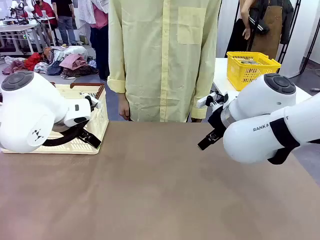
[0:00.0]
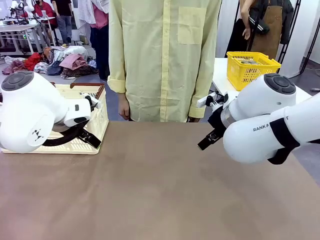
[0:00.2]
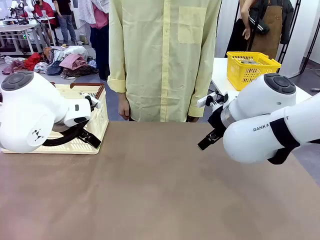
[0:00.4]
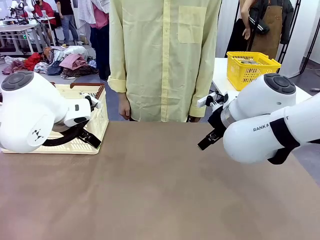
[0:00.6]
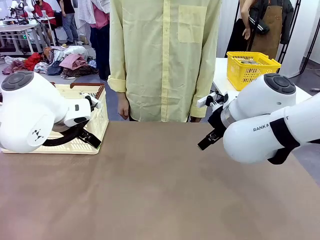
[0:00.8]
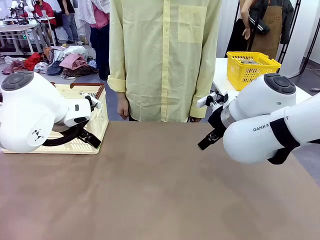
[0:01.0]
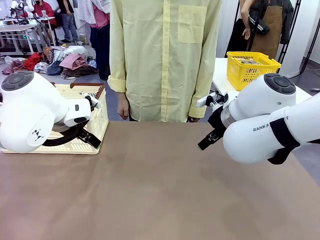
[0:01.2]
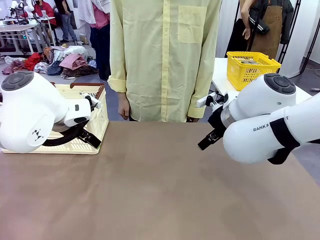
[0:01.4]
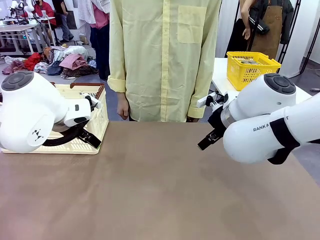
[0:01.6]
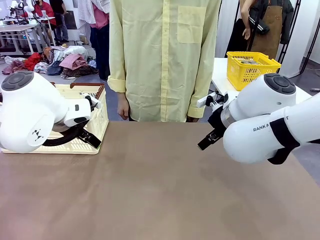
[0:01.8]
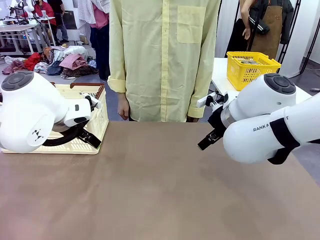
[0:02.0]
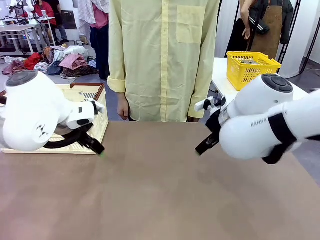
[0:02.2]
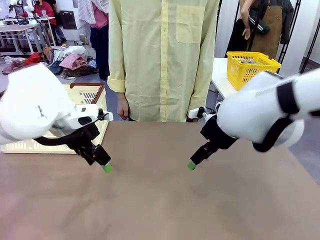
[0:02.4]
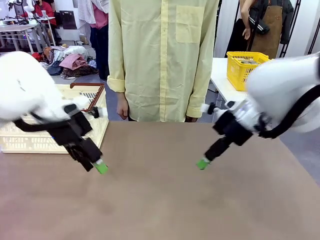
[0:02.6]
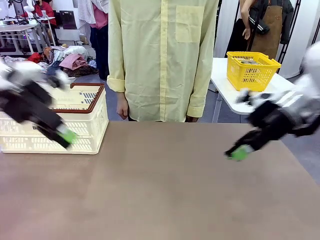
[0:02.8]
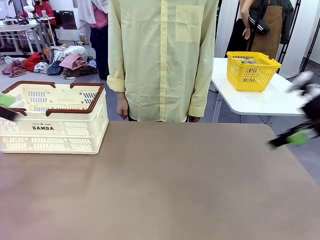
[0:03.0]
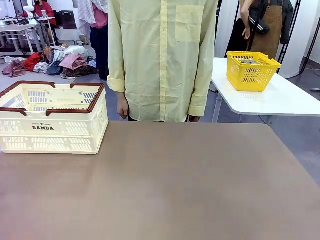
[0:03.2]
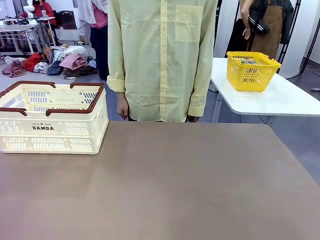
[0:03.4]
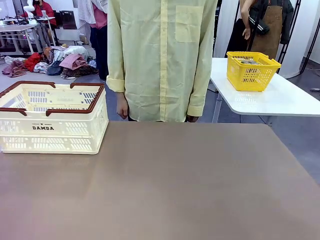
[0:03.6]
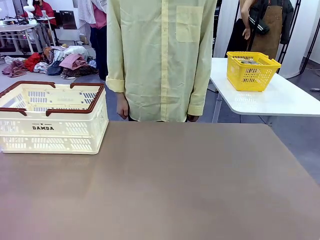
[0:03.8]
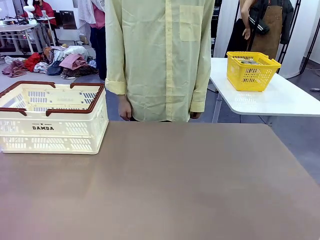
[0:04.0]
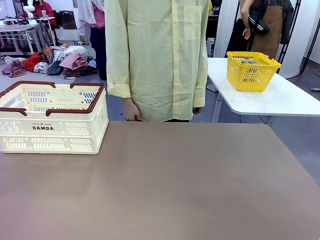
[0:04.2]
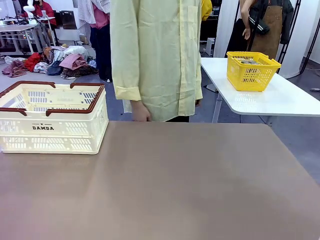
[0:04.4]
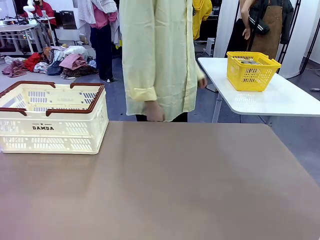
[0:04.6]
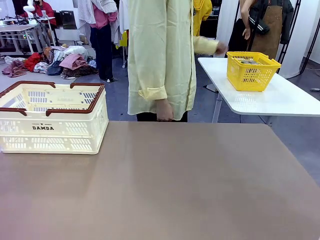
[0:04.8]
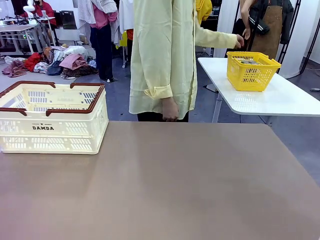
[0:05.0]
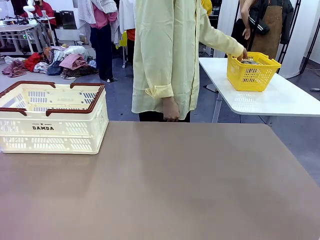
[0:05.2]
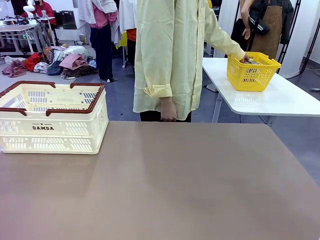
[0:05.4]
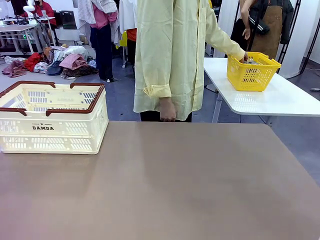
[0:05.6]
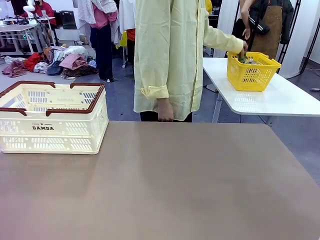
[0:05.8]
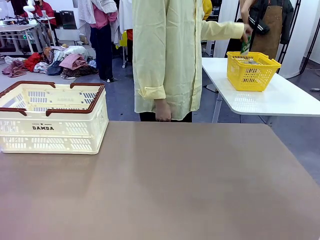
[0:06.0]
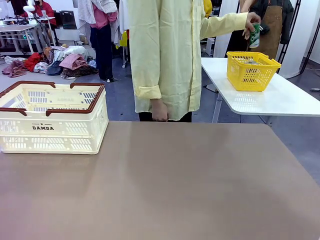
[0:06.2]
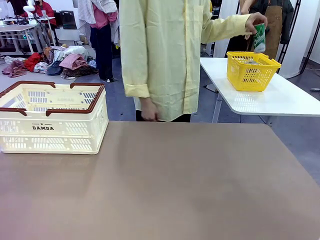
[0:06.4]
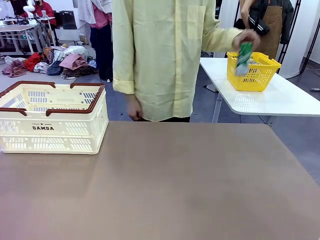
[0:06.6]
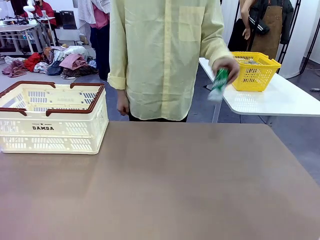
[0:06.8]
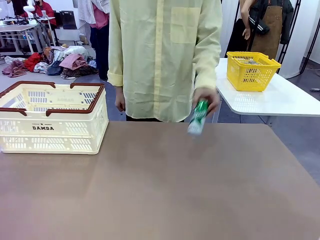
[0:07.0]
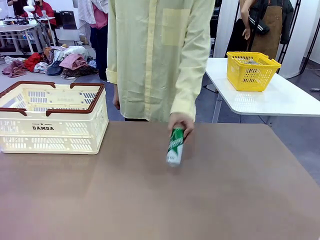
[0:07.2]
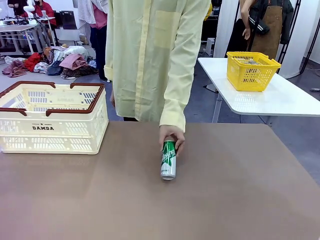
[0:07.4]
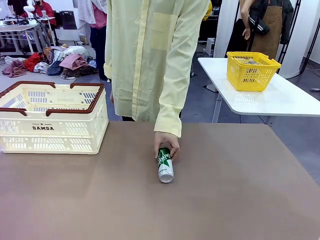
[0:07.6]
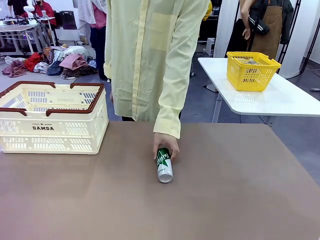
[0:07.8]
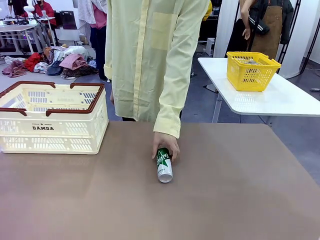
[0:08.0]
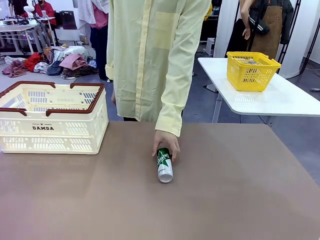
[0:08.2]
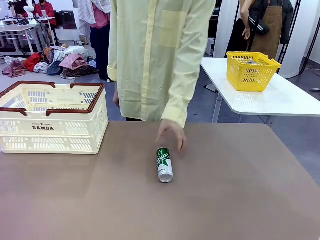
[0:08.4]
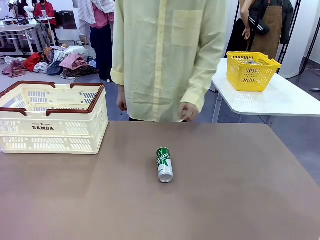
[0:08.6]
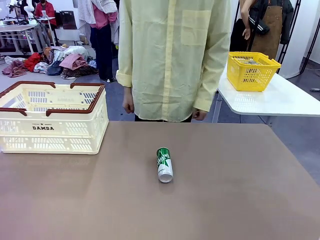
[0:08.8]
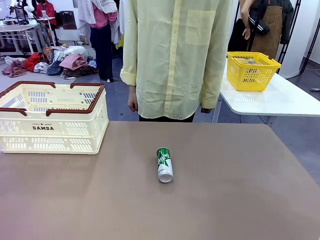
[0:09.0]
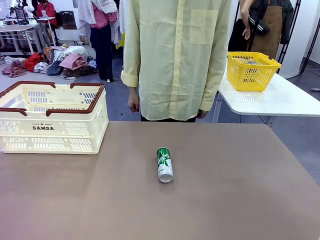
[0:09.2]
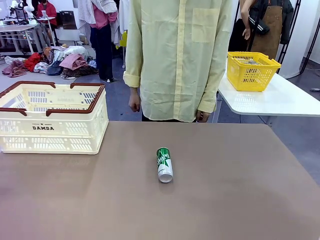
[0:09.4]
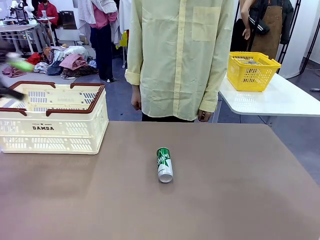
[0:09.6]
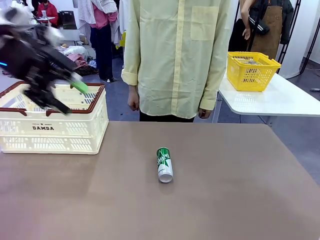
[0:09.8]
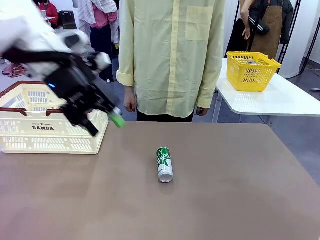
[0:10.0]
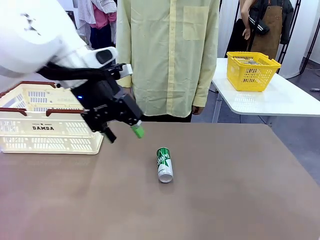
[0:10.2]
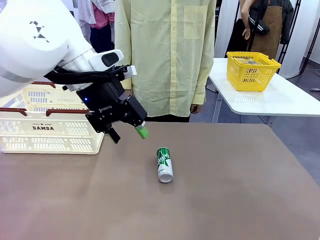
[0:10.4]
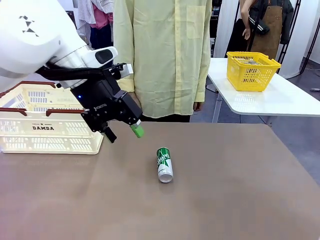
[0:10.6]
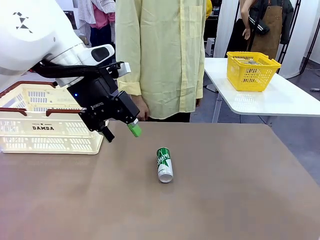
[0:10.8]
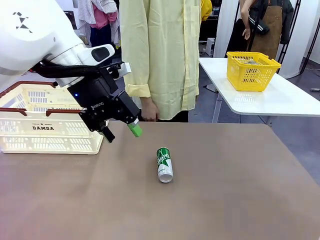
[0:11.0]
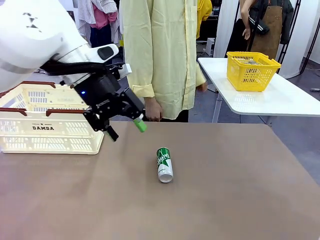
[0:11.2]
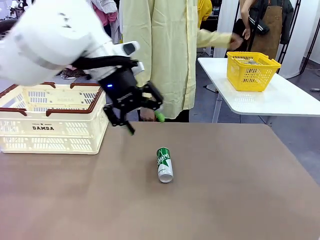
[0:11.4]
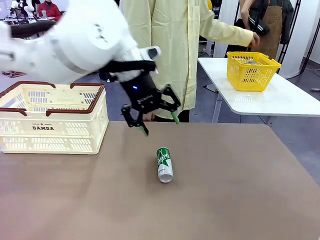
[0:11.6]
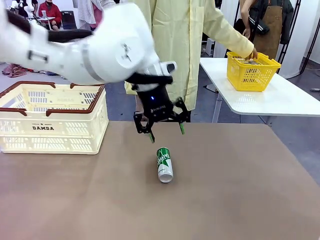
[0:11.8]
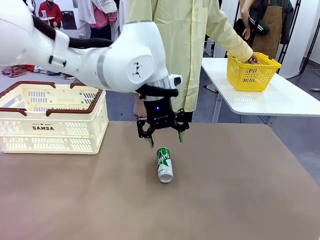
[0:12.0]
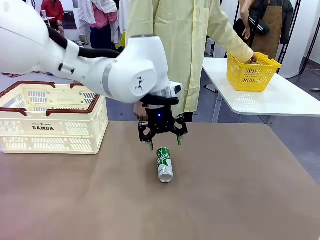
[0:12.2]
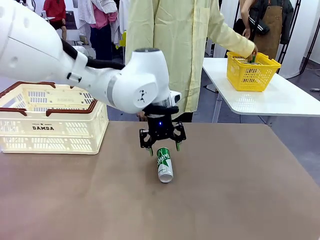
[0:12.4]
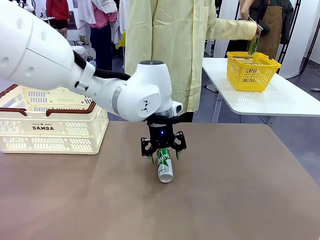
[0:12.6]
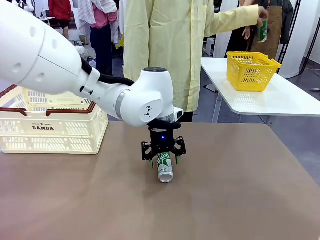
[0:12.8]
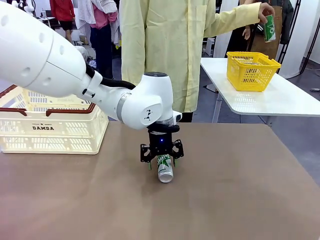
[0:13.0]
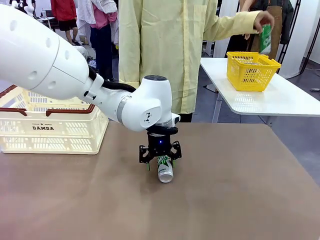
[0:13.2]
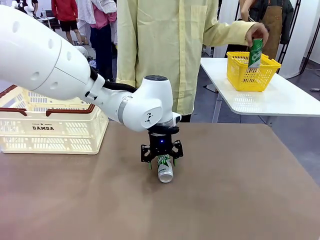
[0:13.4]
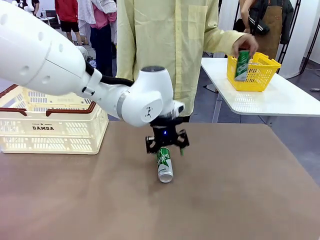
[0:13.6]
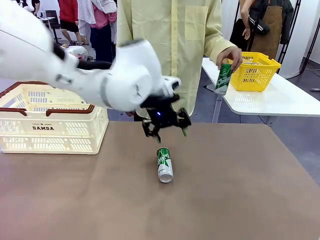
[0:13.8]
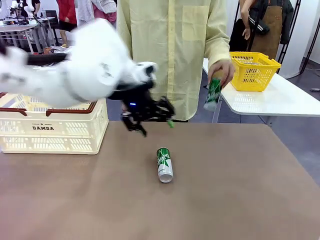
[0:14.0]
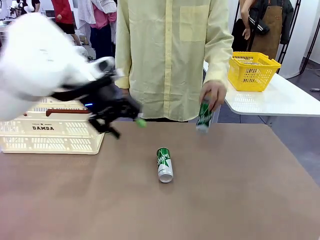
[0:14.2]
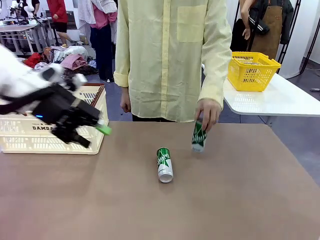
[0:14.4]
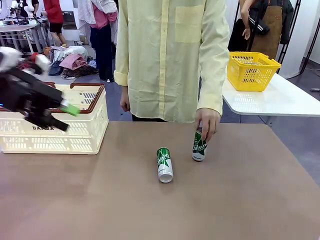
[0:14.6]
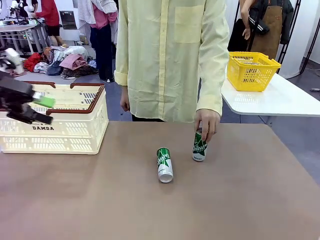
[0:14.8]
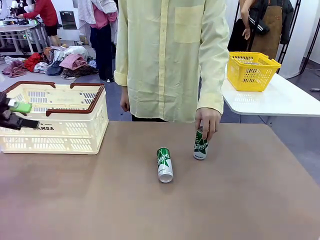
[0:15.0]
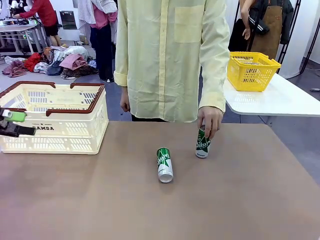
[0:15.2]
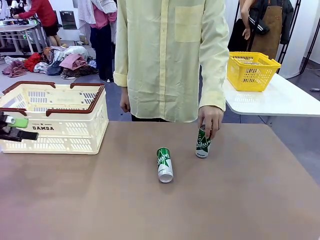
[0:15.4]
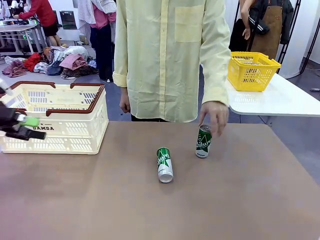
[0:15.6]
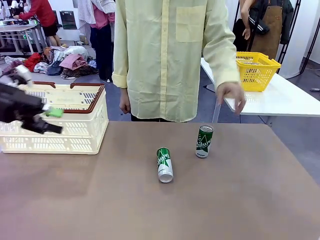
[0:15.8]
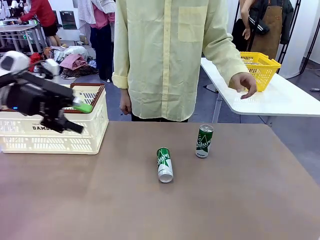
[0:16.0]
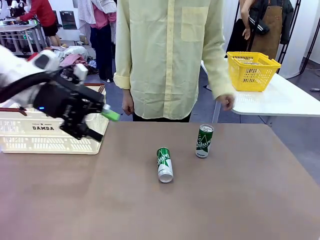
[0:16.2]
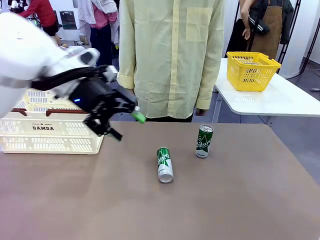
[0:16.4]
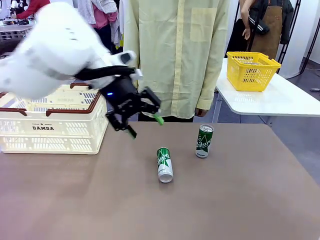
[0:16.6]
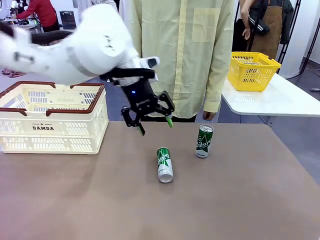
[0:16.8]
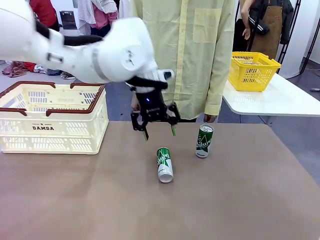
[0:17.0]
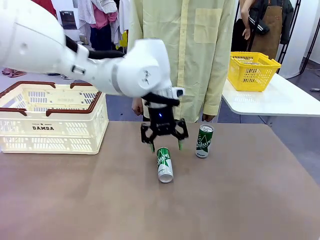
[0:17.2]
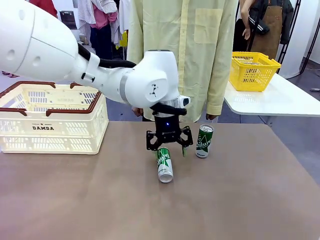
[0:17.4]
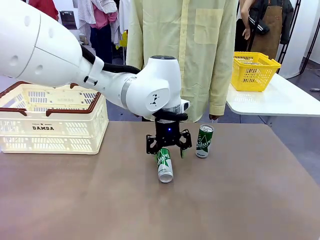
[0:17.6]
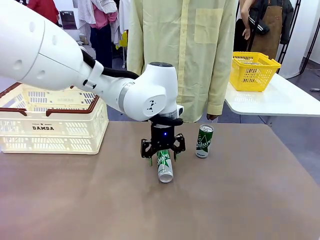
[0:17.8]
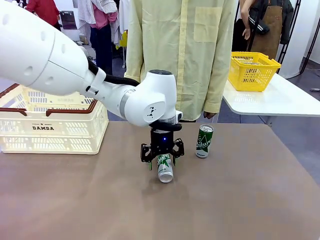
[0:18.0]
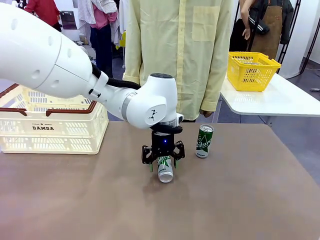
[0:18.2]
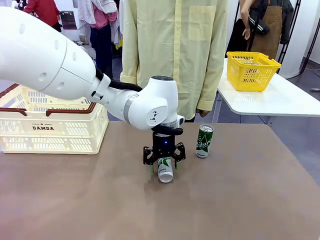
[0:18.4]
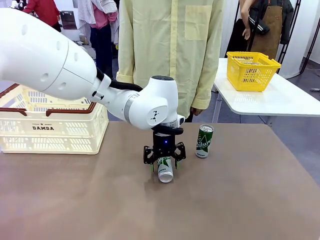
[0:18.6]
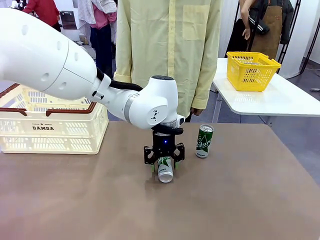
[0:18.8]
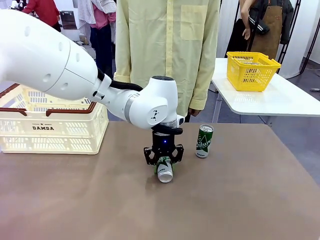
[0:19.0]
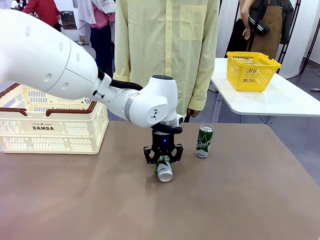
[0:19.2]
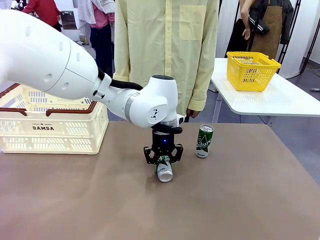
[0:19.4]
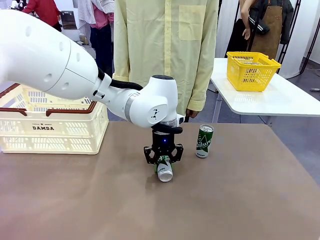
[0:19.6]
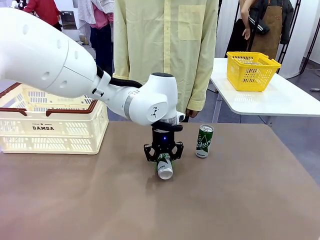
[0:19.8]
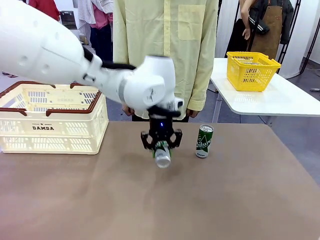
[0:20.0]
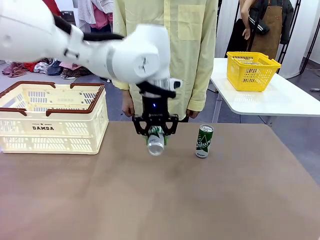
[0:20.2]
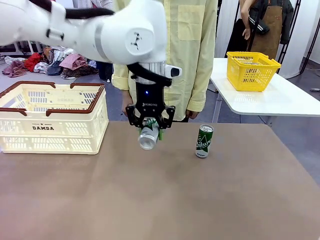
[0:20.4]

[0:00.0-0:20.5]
Task: Place the drinks into the Shopping basket.
Robot: Pick up one drink and place it into the Shopping basket.
